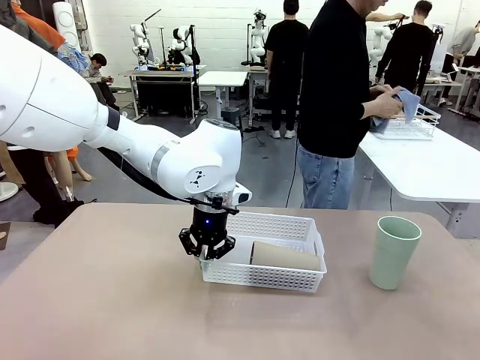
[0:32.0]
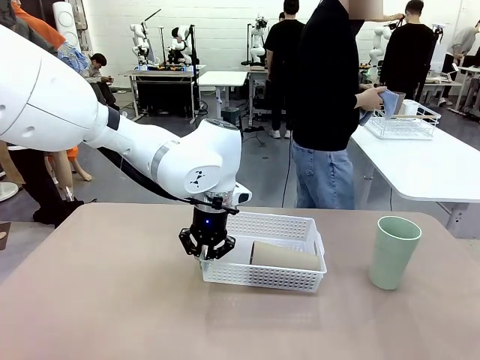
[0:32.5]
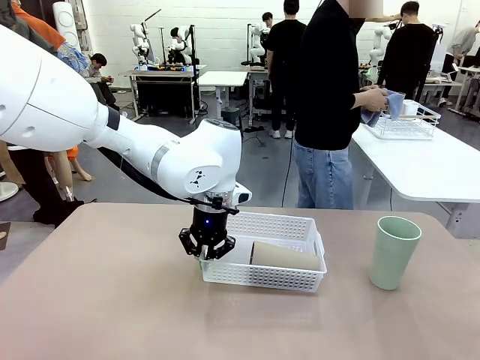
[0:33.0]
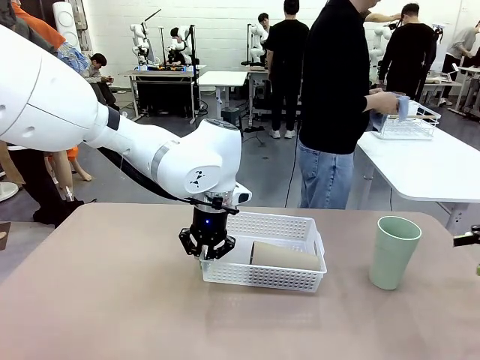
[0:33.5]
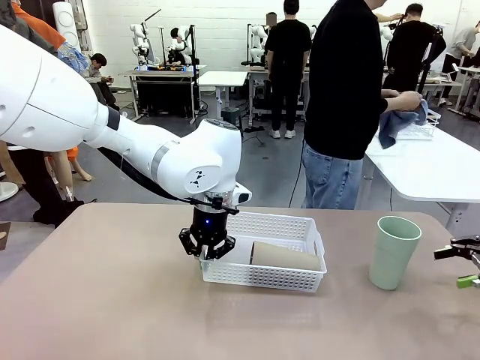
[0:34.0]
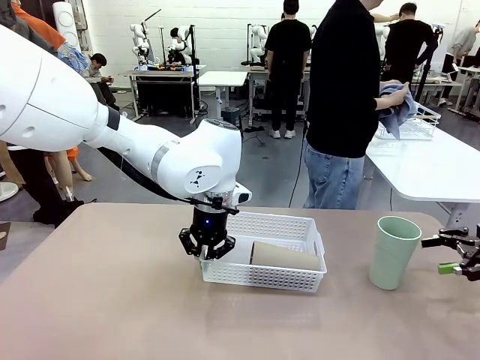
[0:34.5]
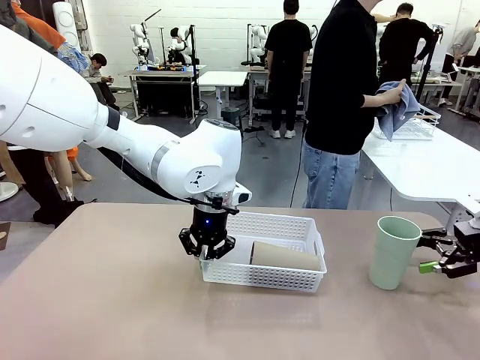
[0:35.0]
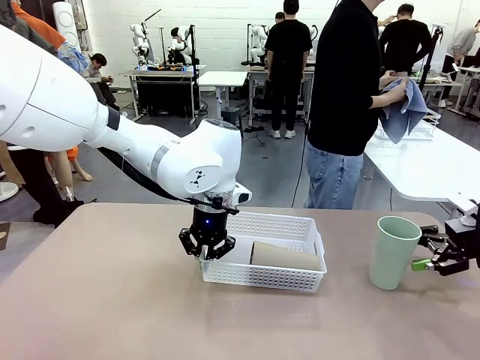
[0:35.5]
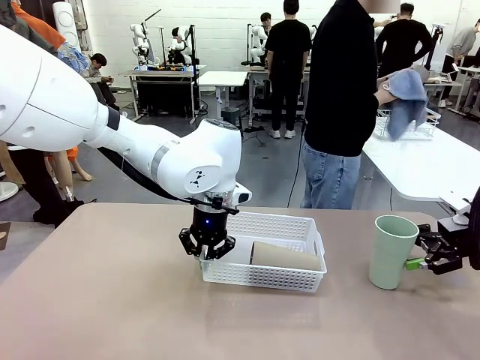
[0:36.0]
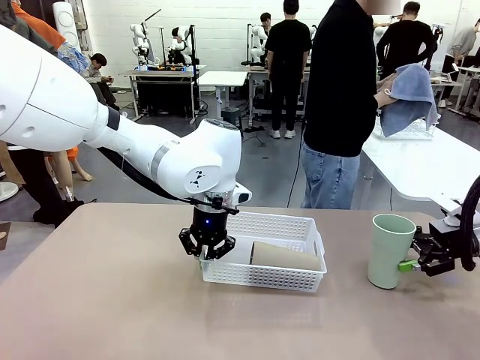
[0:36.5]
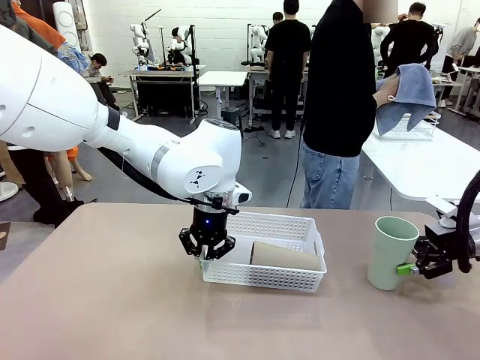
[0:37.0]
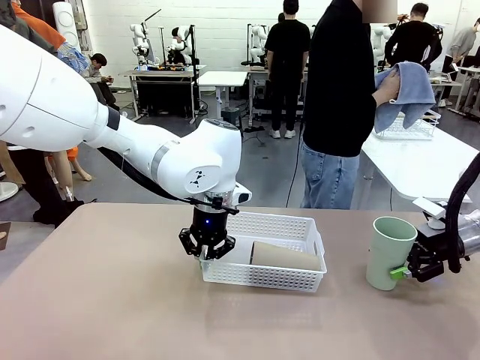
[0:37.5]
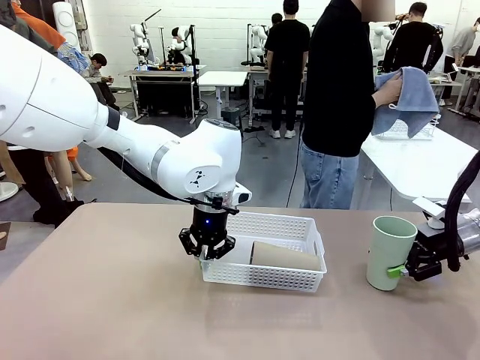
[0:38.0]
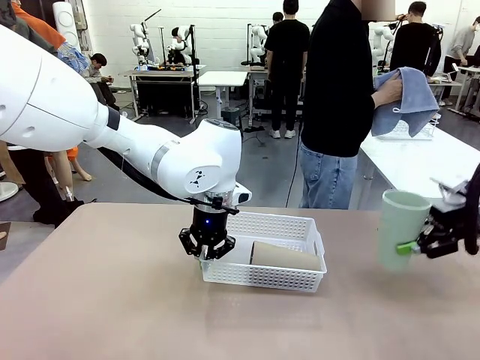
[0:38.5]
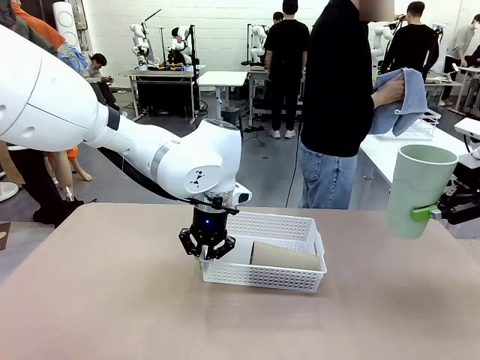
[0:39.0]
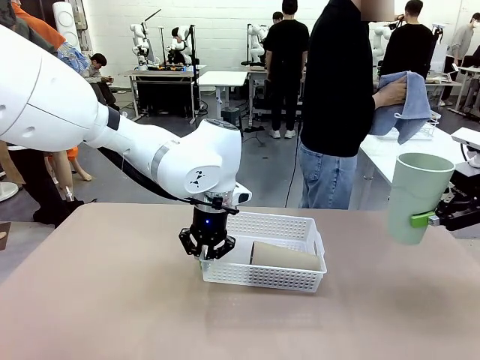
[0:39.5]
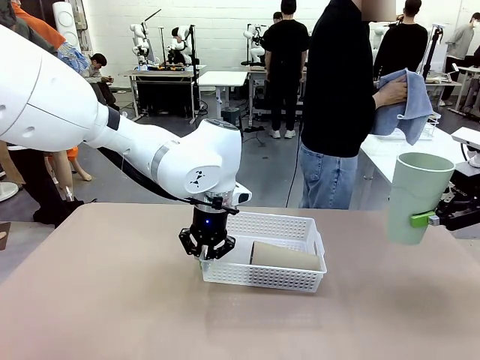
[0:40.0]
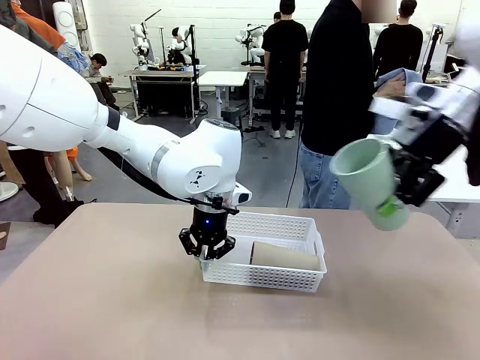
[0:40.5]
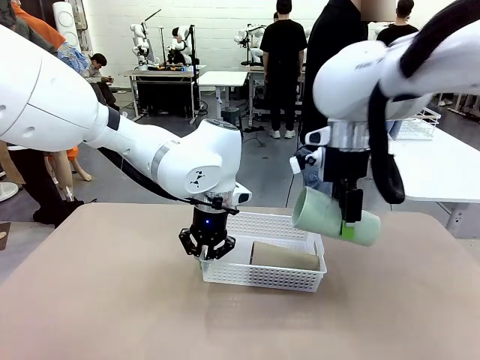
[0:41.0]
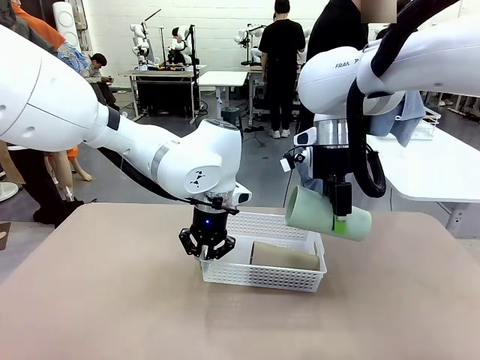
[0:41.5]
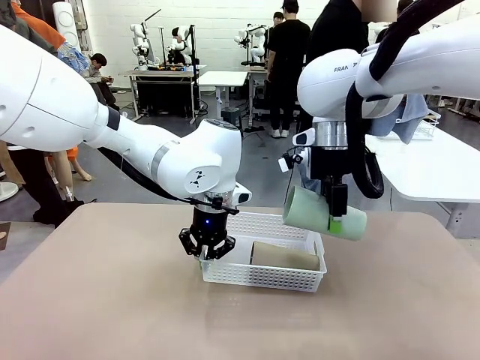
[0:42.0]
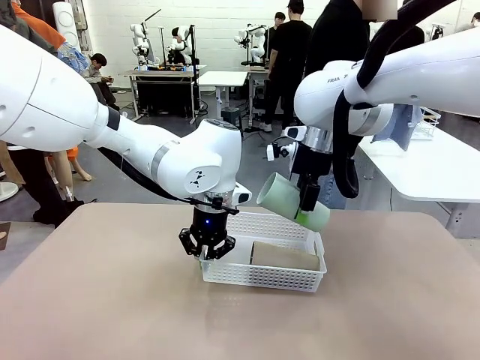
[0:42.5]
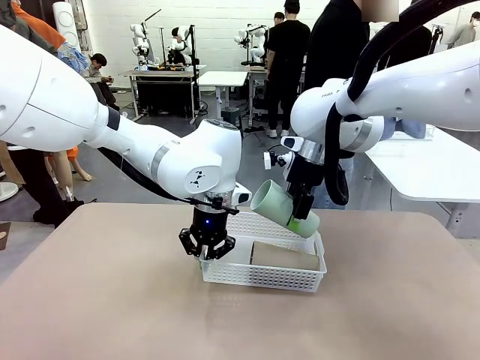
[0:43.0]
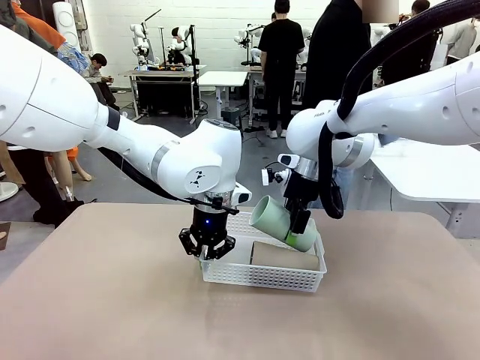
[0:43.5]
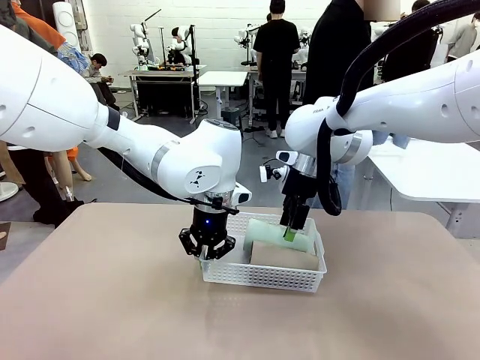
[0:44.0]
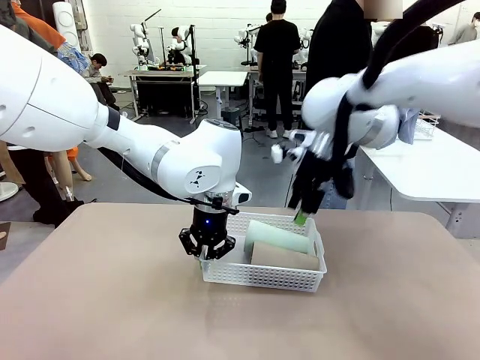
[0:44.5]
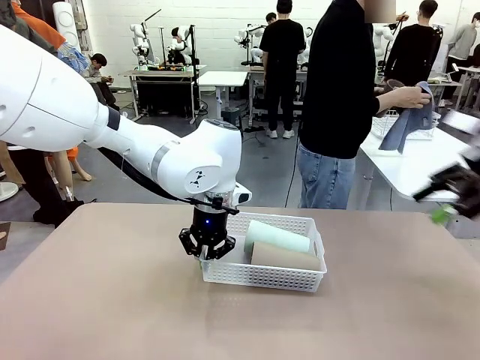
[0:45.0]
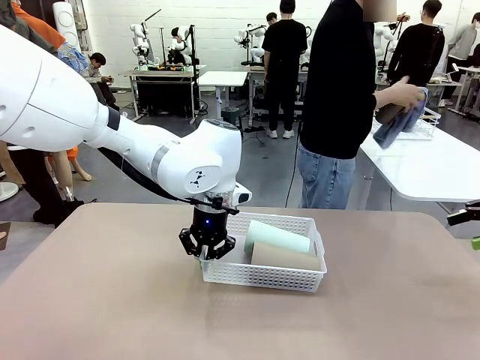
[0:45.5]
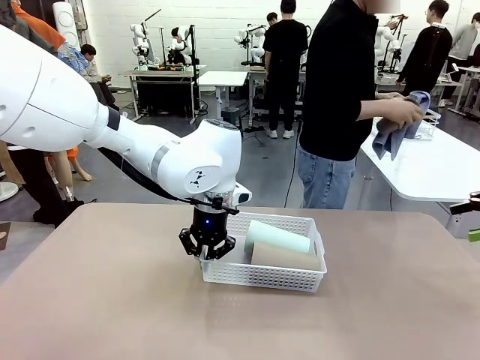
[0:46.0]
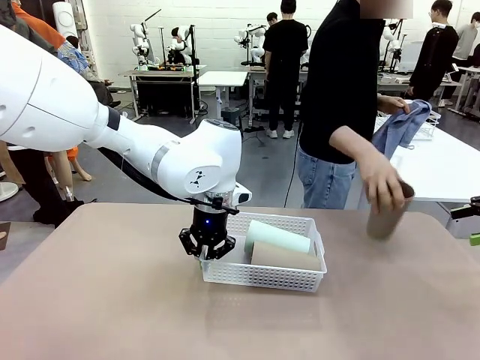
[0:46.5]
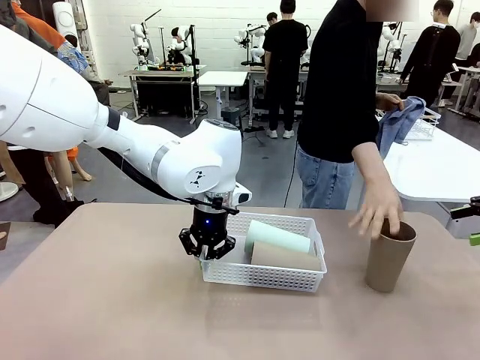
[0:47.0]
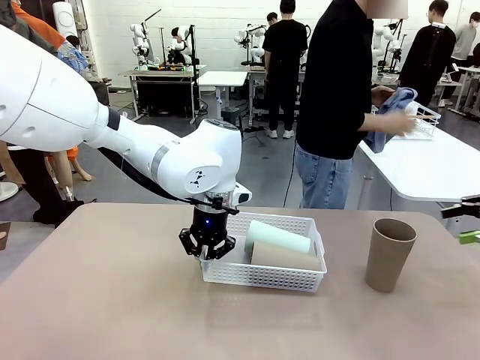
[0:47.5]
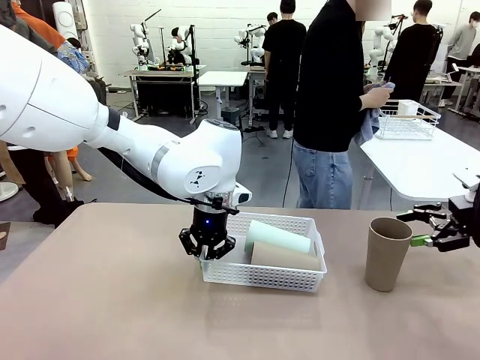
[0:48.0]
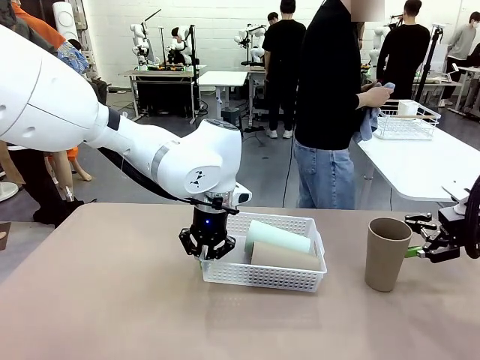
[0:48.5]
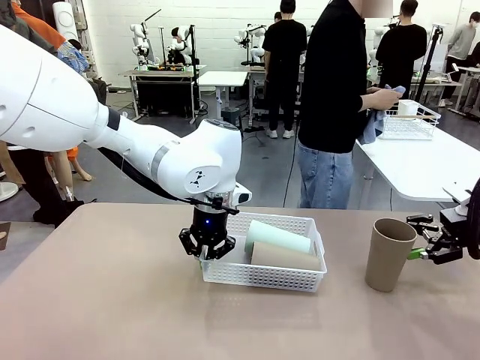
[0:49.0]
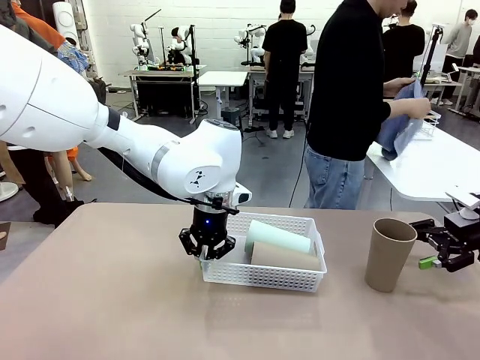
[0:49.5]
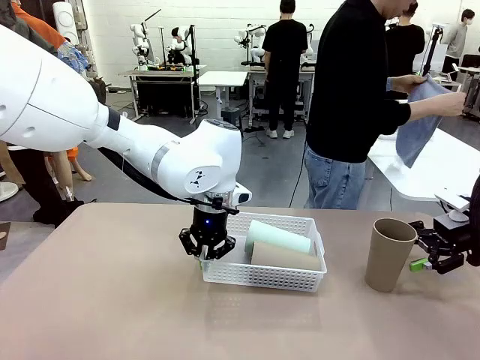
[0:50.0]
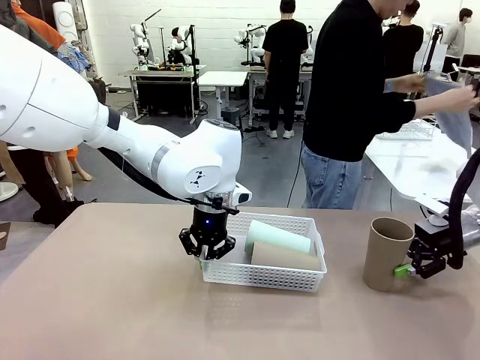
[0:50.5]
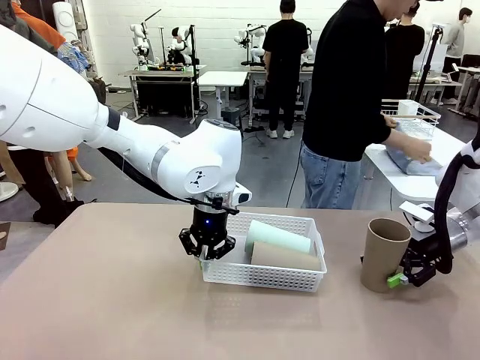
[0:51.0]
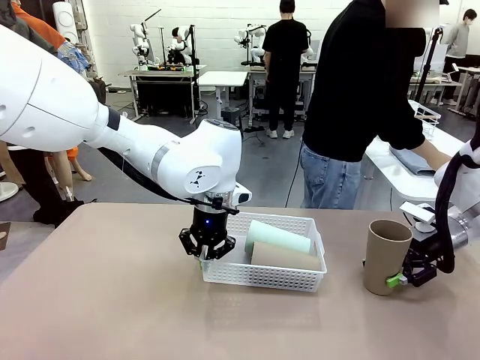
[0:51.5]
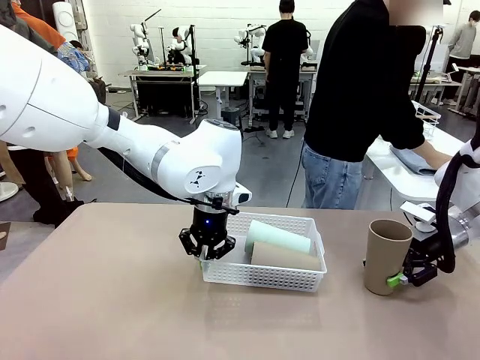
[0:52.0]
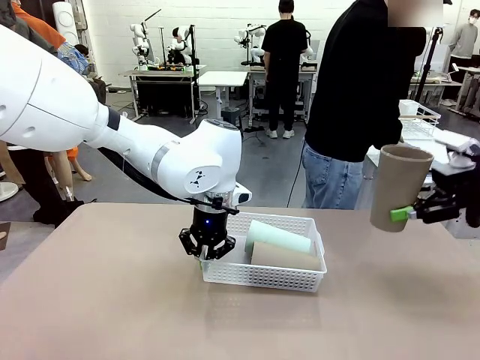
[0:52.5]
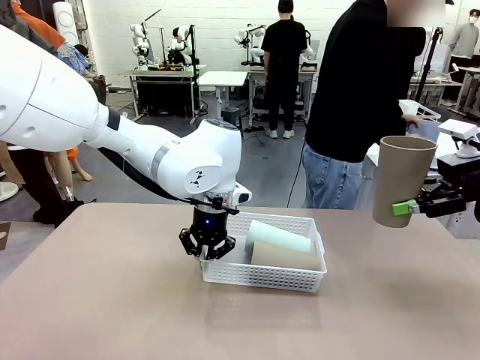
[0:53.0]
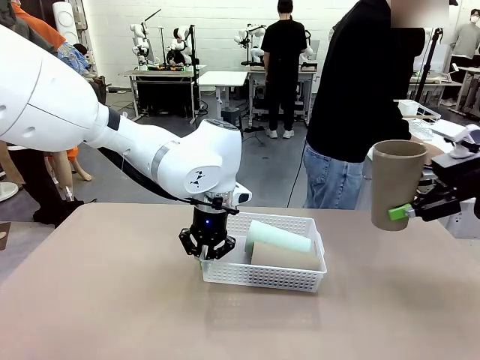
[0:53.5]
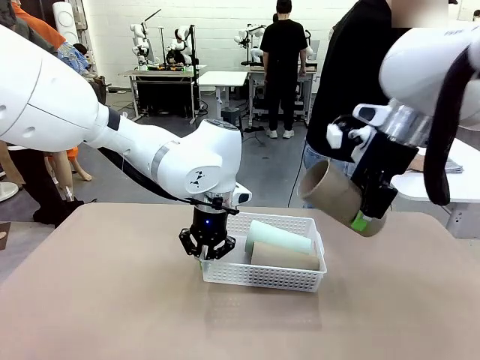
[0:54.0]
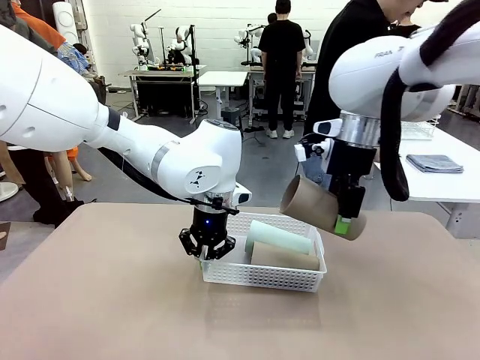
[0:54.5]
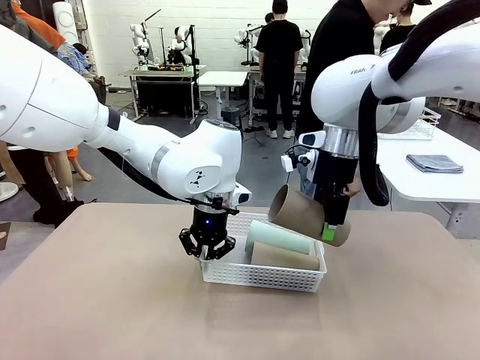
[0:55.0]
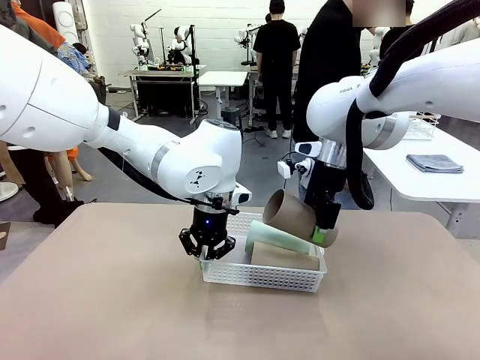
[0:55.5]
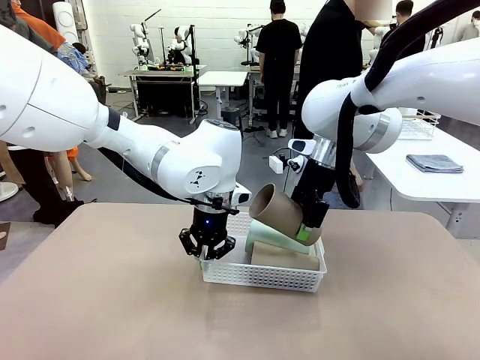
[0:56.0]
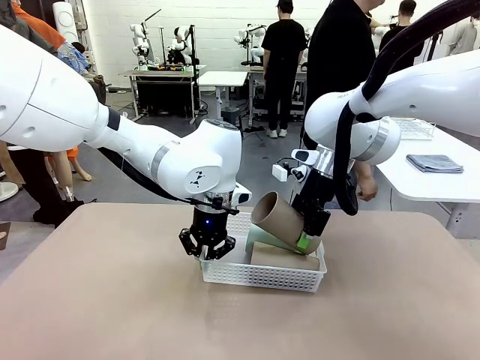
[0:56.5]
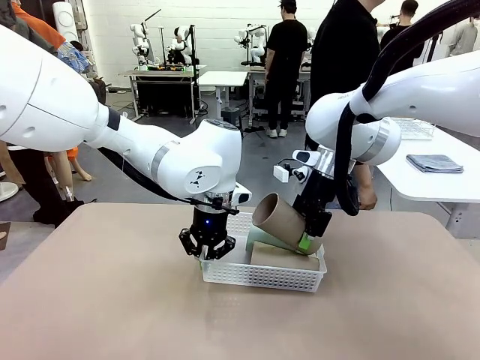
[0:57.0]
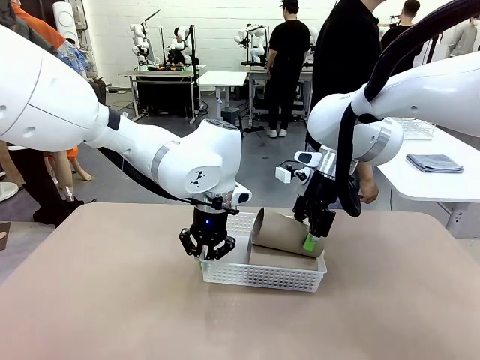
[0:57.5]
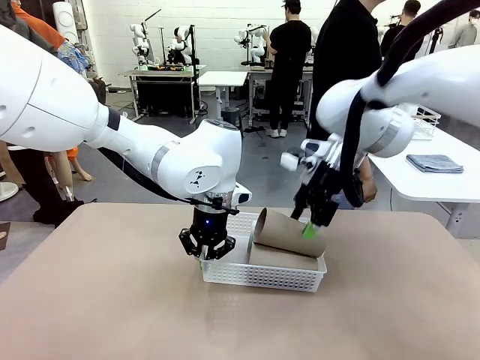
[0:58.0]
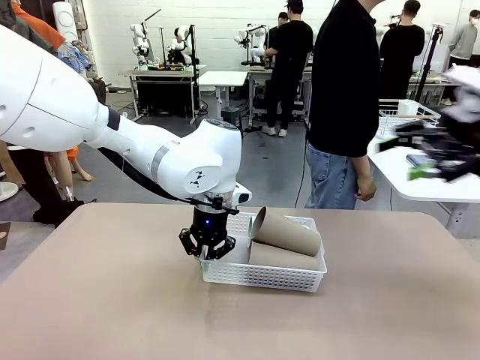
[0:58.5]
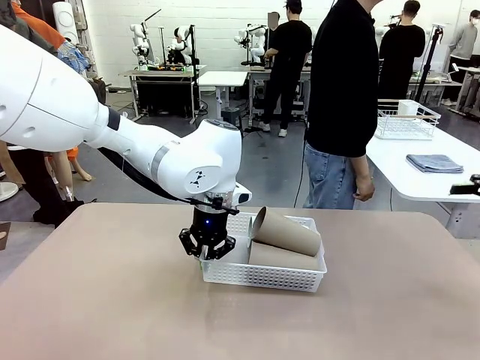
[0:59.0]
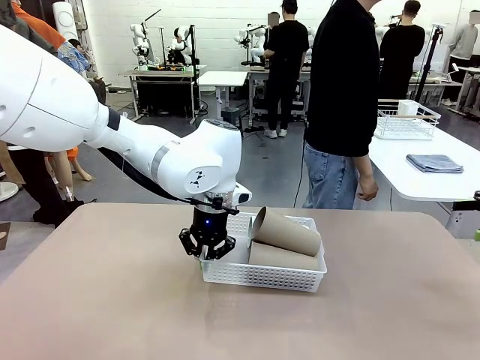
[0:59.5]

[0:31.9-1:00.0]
Task: Clean and organize the cups into the basket.
Robot: Pick up the Reusable plastic cup from the right side of the table and stack it inside the Organizing basket in the center of the table.
